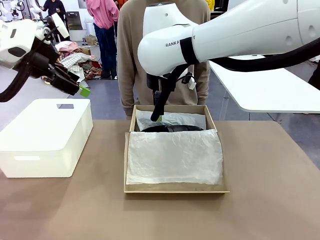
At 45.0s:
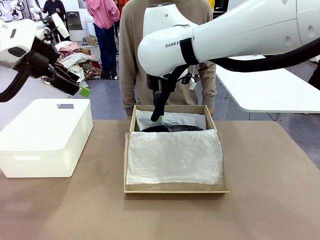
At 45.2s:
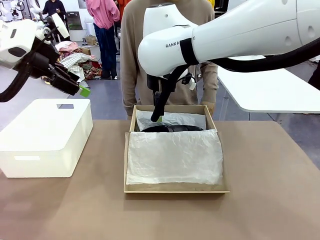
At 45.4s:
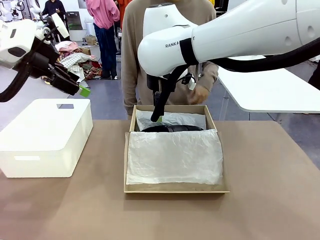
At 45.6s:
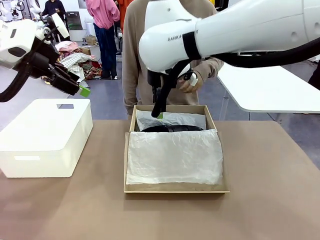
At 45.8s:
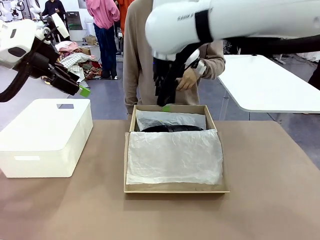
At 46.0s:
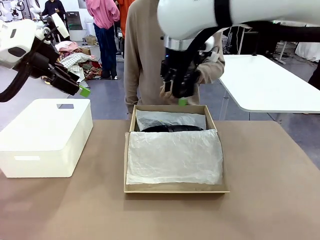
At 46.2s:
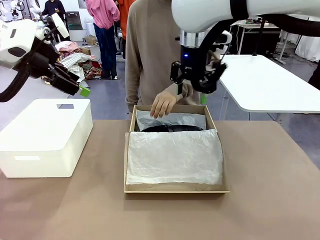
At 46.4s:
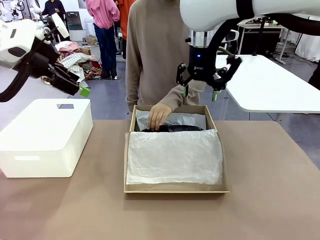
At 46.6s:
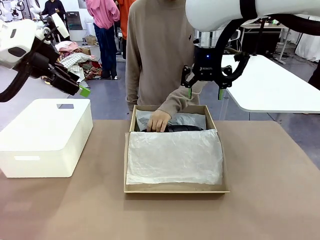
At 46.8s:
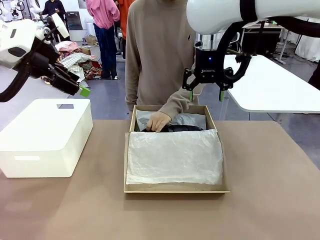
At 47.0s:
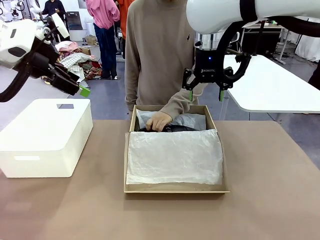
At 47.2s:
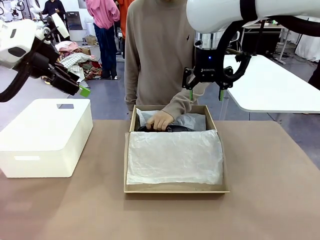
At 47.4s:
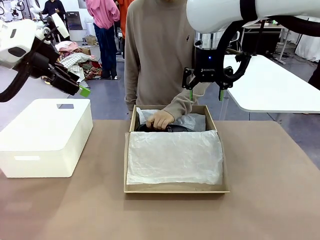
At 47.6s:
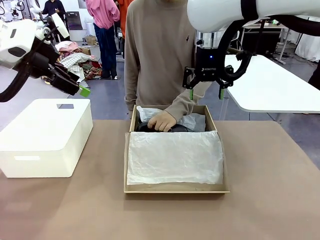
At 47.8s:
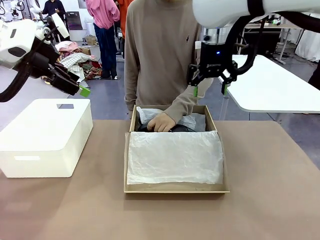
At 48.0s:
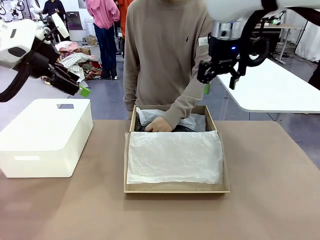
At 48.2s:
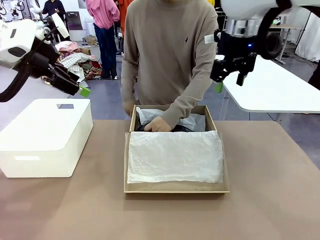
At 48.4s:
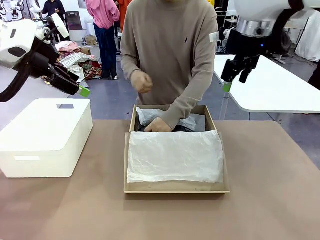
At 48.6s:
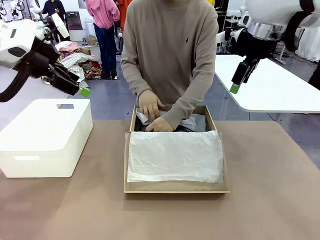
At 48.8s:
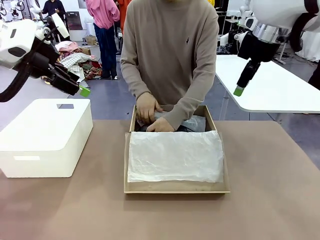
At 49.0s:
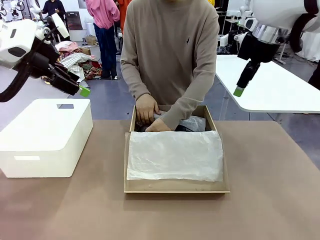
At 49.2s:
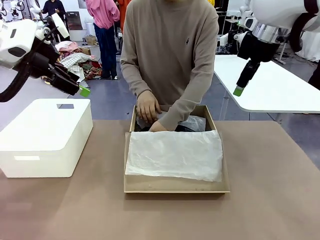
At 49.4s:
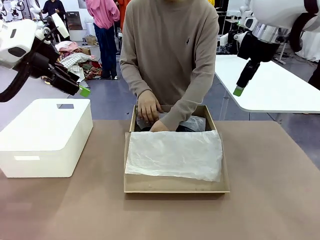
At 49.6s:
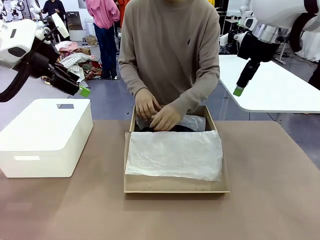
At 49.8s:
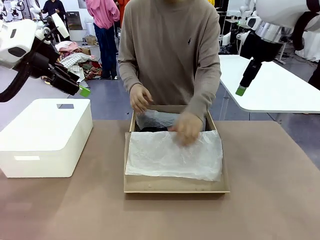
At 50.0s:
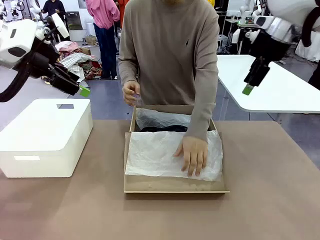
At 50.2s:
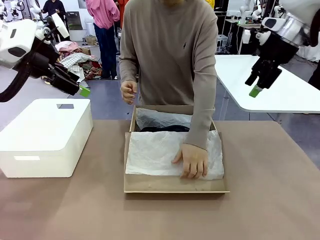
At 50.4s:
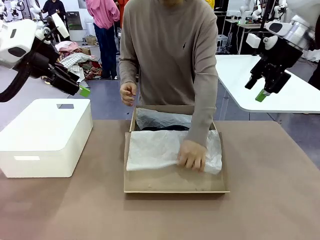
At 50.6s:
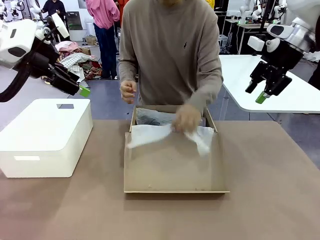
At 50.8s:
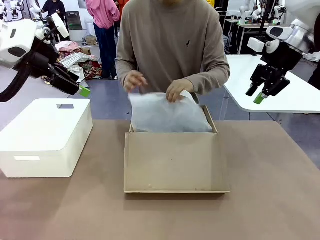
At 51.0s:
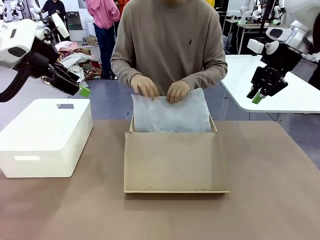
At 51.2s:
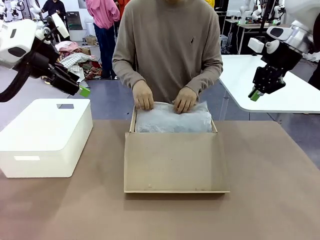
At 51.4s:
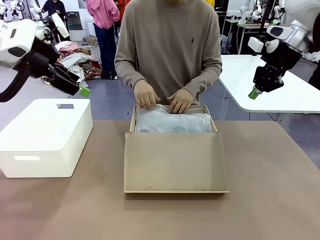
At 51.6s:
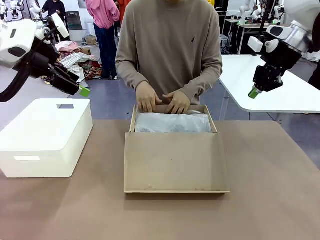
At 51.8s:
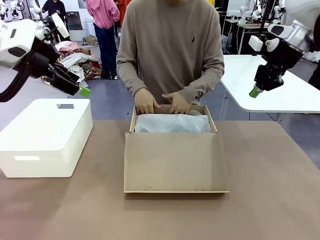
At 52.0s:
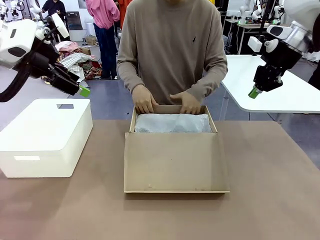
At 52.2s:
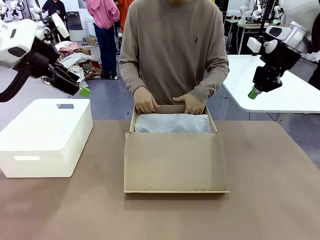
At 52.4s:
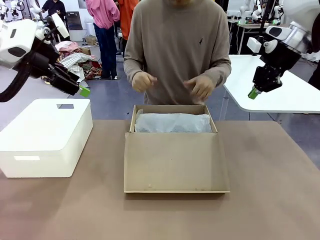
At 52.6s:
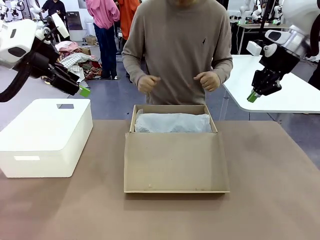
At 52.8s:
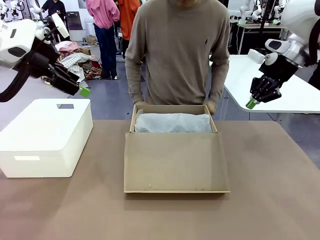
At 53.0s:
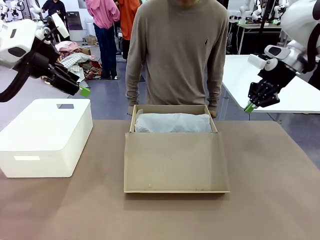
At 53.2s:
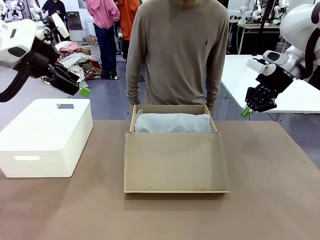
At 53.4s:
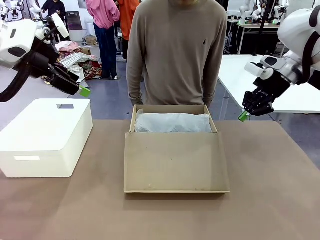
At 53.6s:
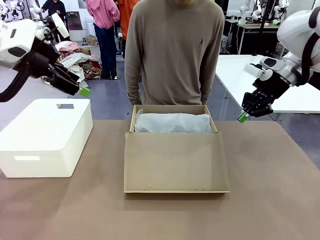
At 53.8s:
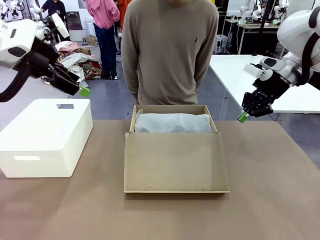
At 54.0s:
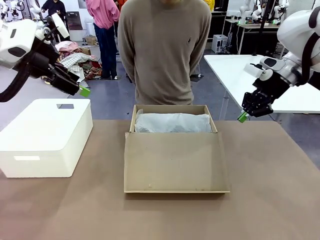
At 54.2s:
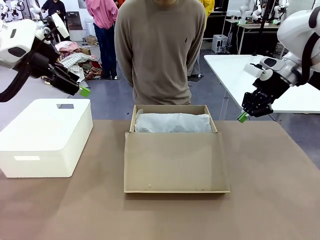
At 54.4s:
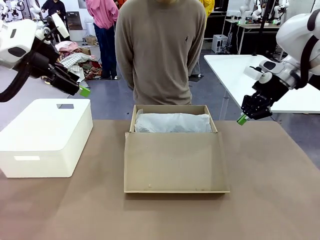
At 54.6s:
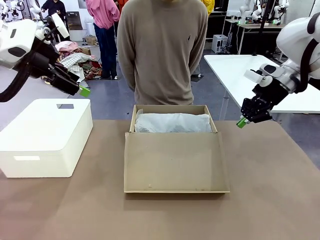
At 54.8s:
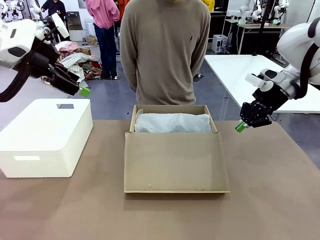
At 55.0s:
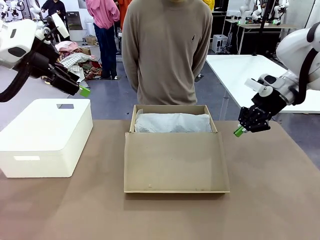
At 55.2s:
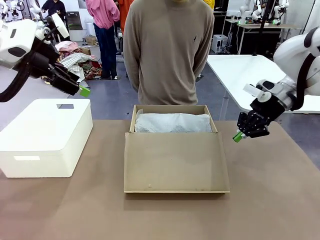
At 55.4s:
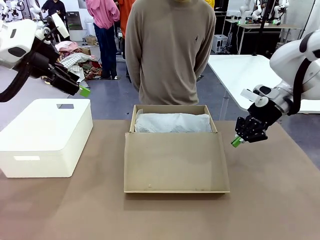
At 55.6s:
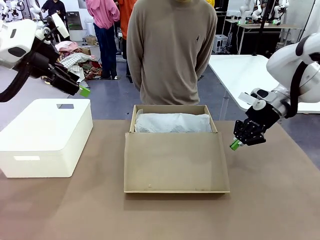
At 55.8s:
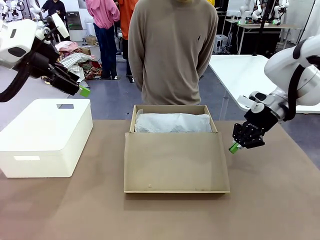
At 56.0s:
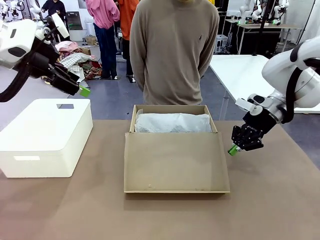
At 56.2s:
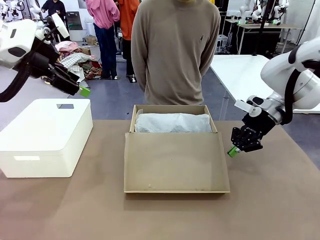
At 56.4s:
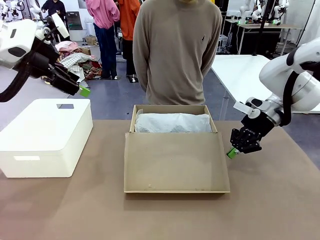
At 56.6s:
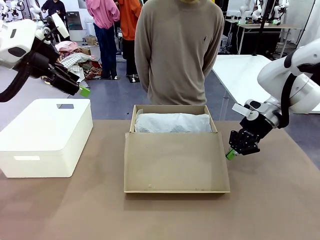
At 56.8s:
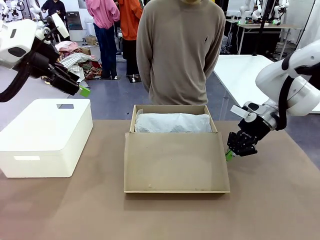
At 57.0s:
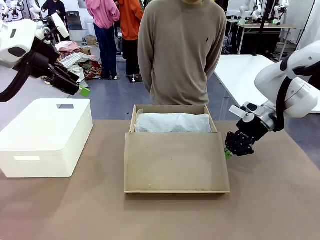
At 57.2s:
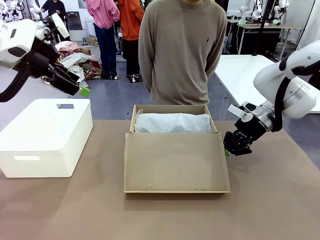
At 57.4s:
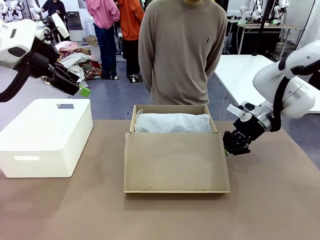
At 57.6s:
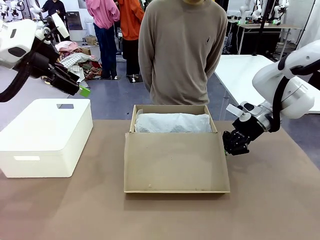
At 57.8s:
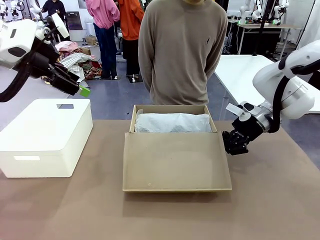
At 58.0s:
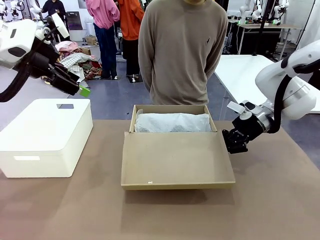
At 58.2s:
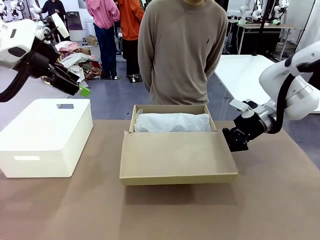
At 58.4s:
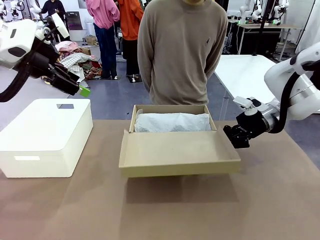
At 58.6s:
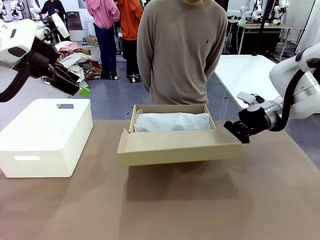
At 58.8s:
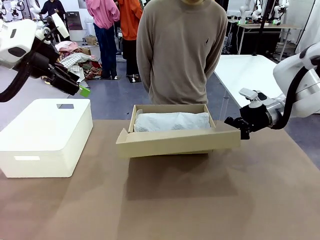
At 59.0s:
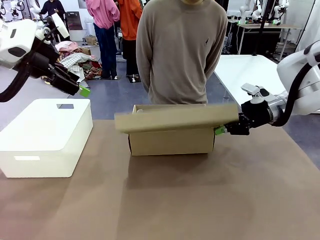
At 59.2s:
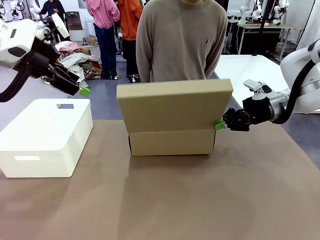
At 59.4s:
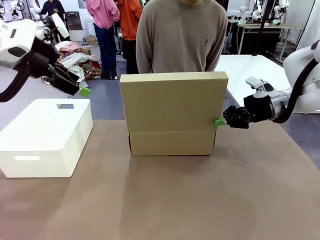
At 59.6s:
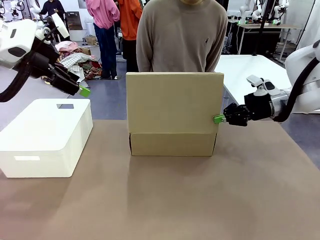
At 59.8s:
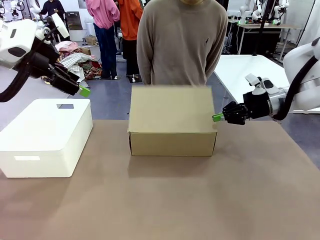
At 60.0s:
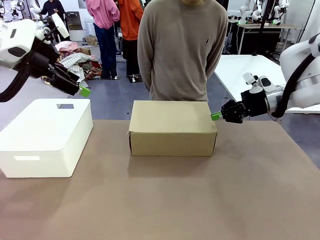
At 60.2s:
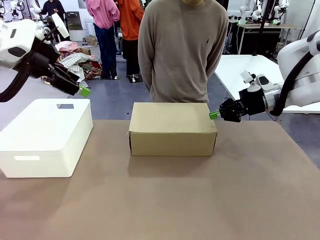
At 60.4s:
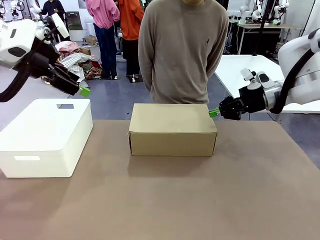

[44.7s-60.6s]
Task: Pack the shoes into the box.
Robot: Close the Shoes Box.
